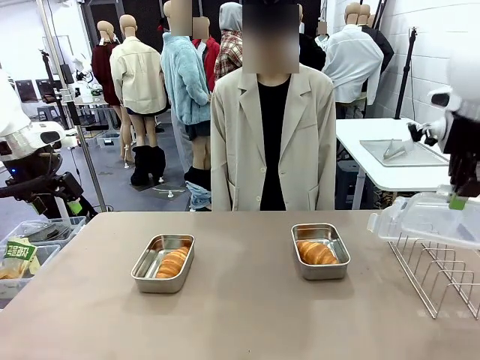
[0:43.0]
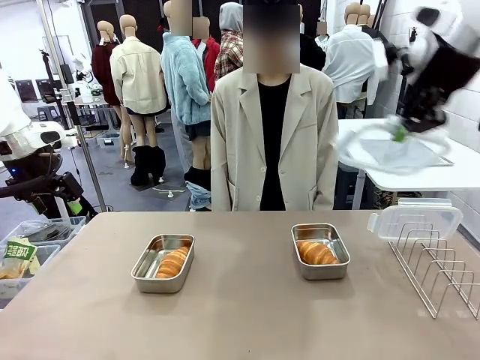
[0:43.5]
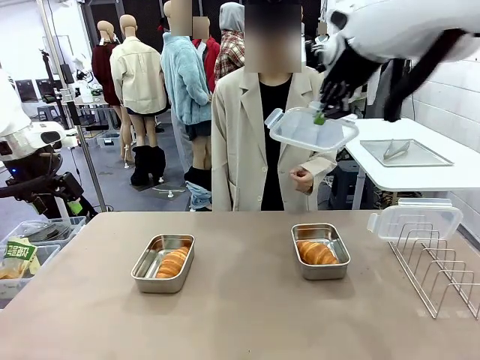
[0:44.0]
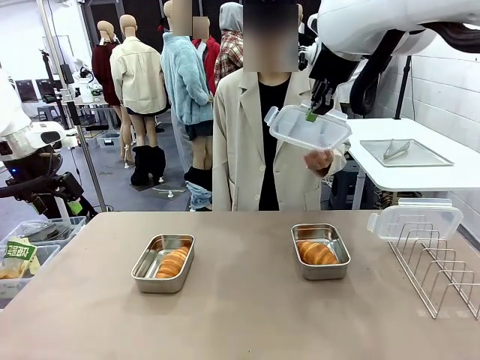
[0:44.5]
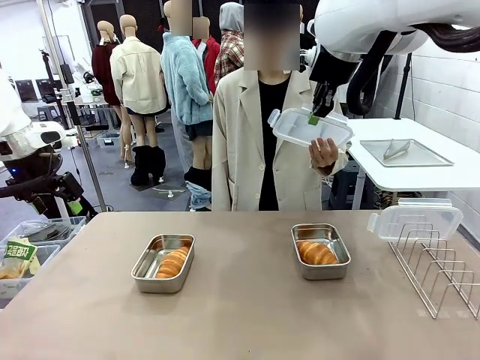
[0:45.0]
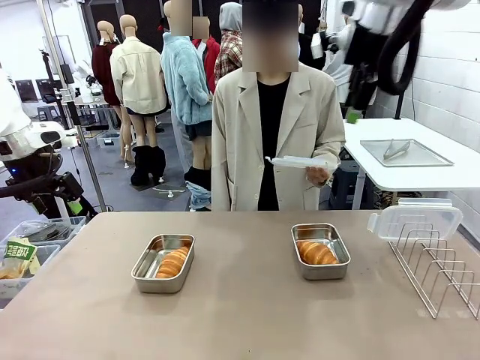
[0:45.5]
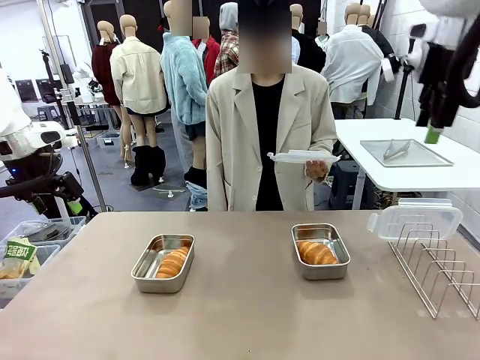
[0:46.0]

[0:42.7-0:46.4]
Task: Place the bread in airtight containers.
Robot: Release when the human grabs the Airtight Container lid.

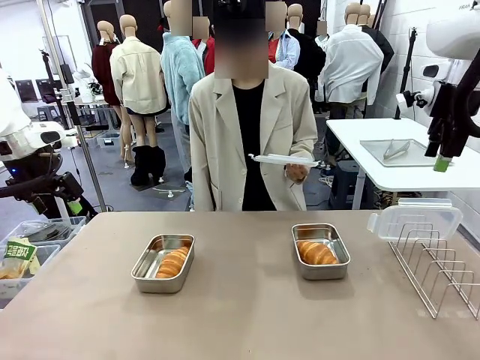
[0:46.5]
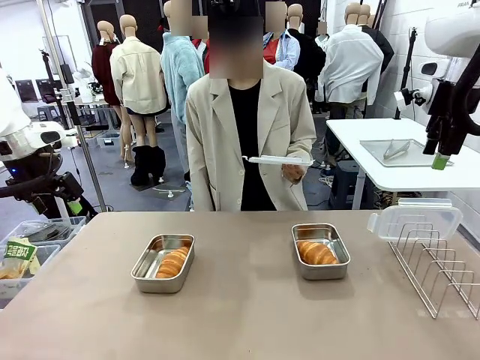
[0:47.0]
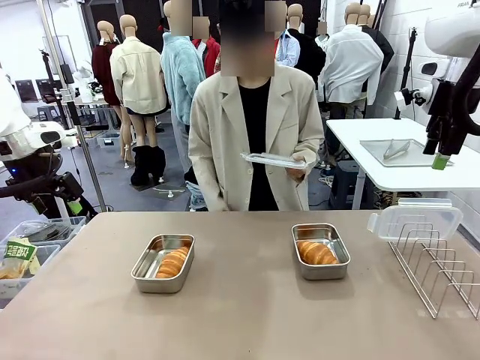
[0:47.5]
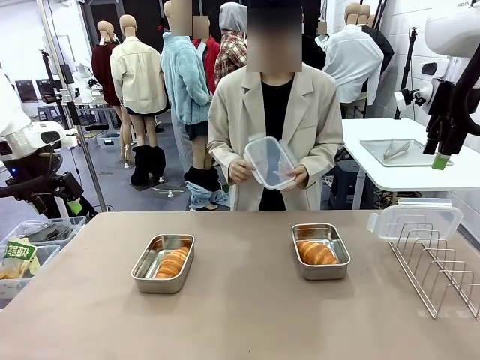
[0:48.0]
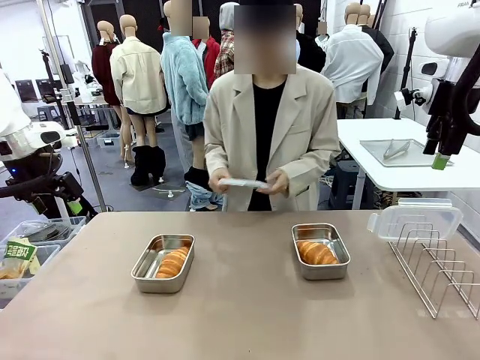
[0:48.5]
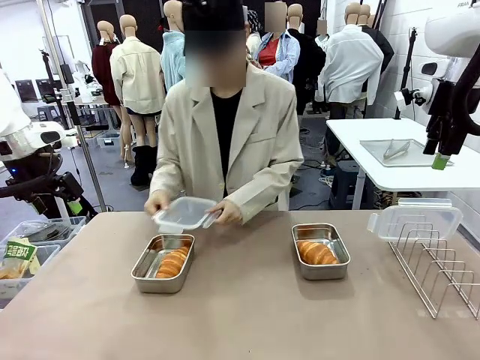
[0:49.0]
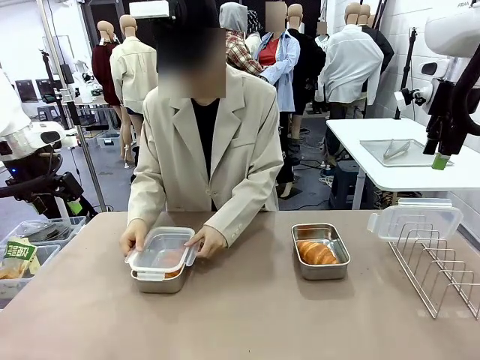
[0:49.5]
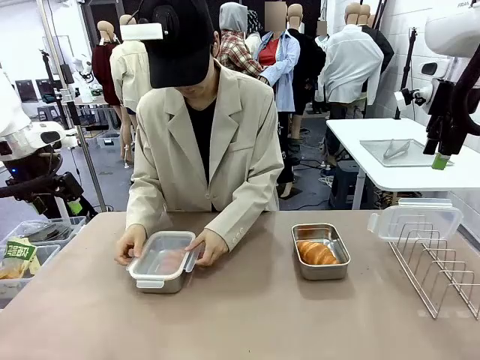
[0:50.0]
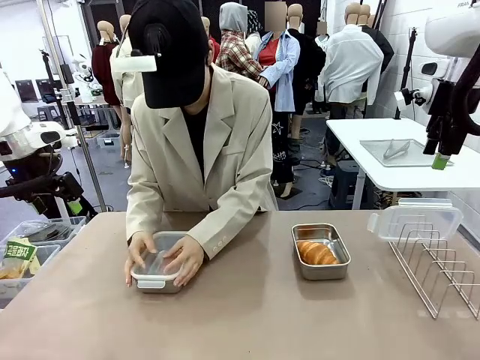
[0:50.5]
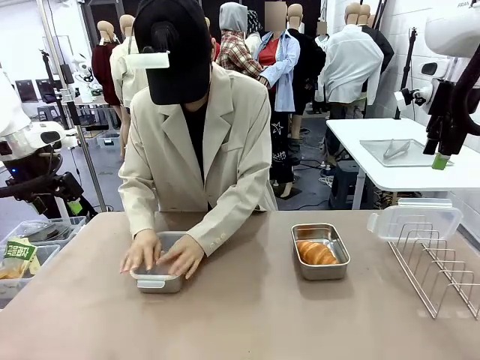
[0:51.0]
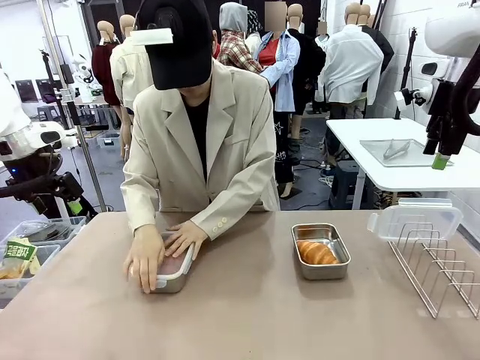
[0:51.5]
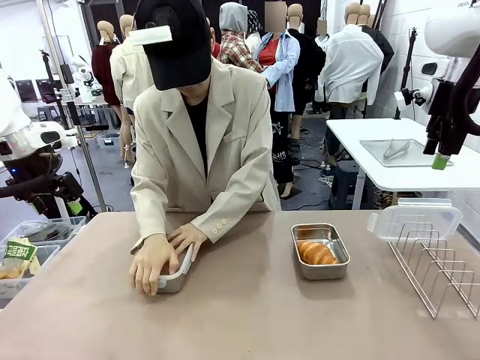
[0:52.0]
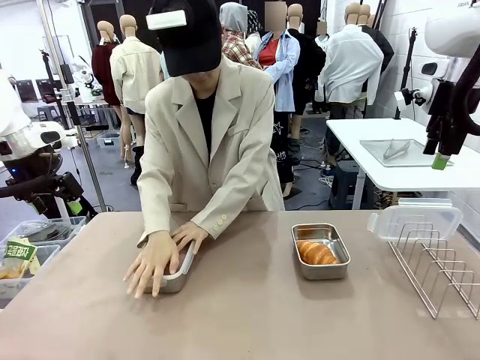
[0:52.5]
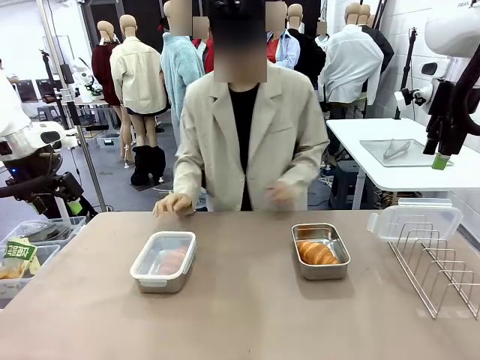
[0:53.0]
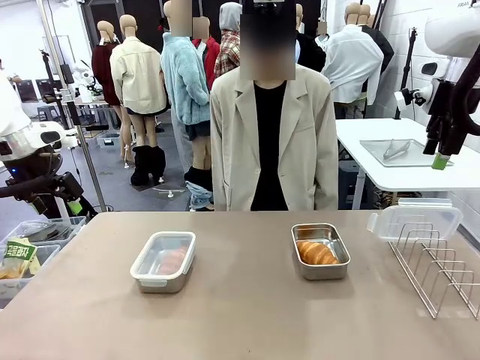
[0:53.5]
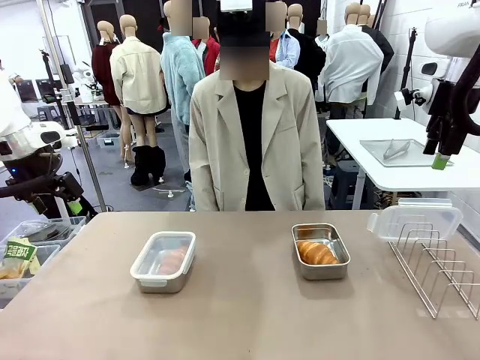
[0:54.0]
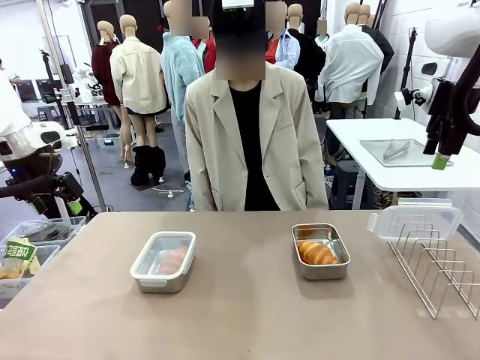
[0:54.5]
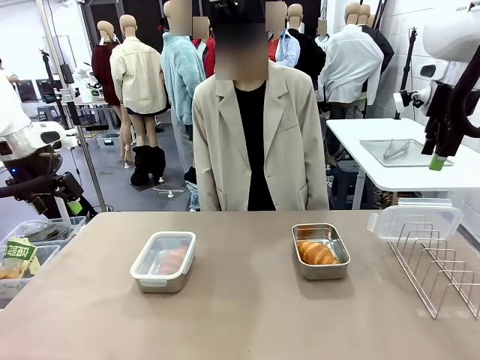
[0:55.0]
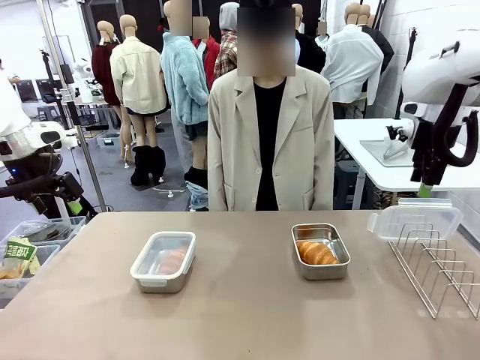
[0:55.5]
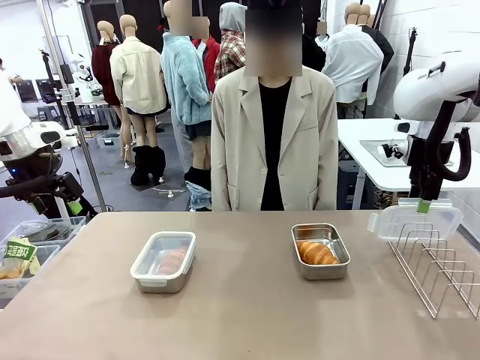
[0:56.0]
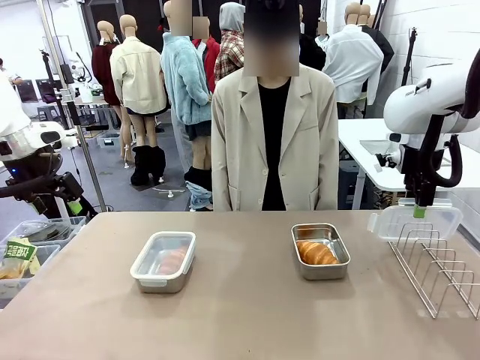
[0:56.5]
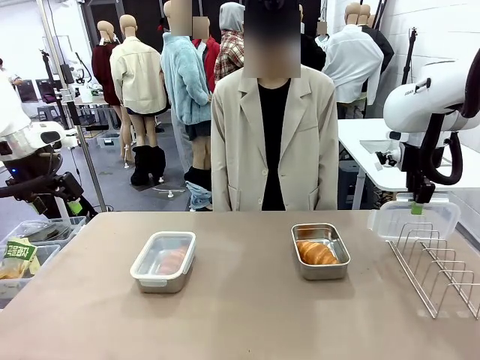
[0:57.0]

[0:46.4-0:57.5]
Robot: Pick up one Airtight Container lid and hand it to the human.
Person: Close Airtight Container with a handed Airtight Container lid.

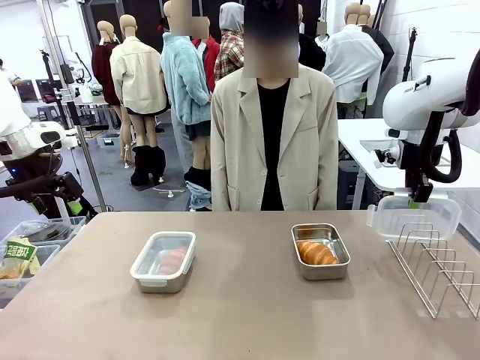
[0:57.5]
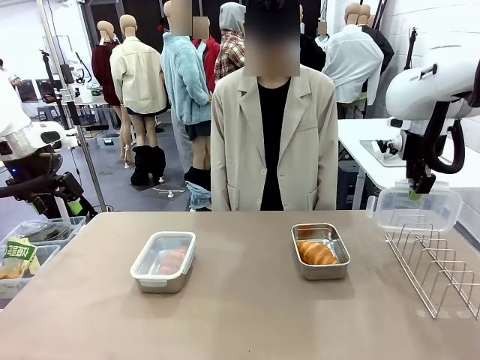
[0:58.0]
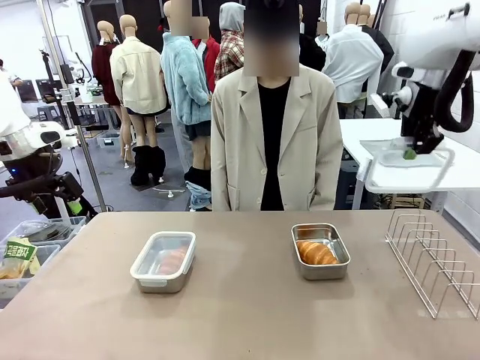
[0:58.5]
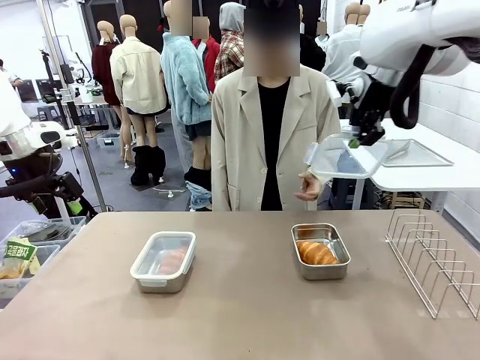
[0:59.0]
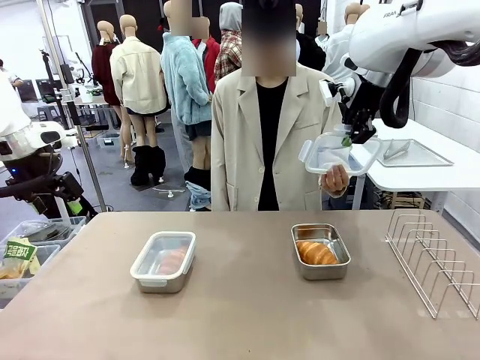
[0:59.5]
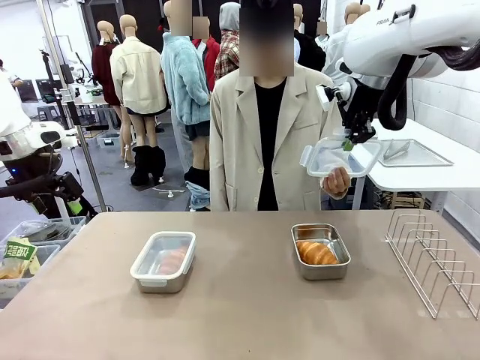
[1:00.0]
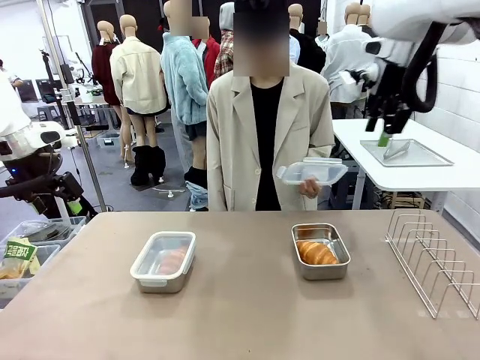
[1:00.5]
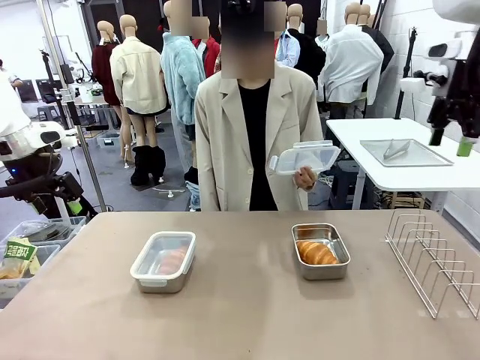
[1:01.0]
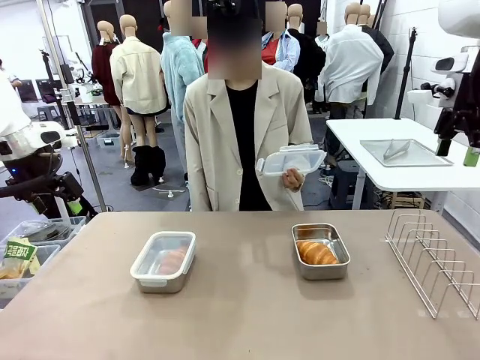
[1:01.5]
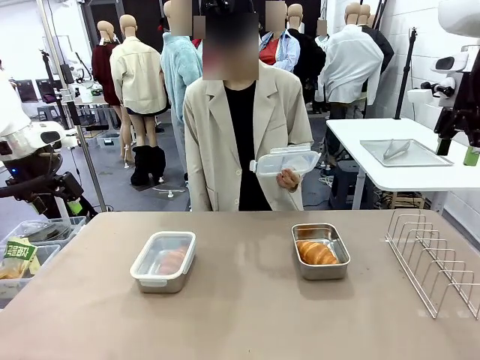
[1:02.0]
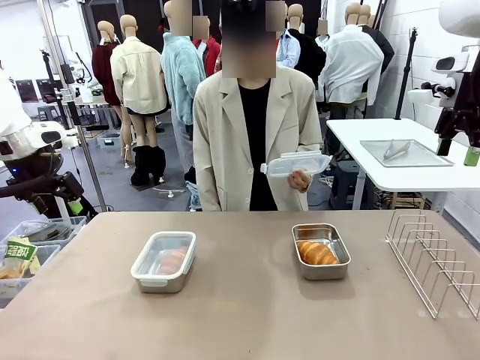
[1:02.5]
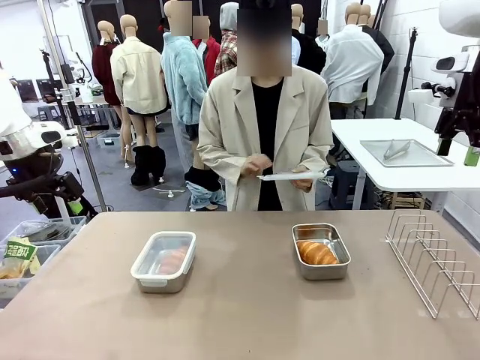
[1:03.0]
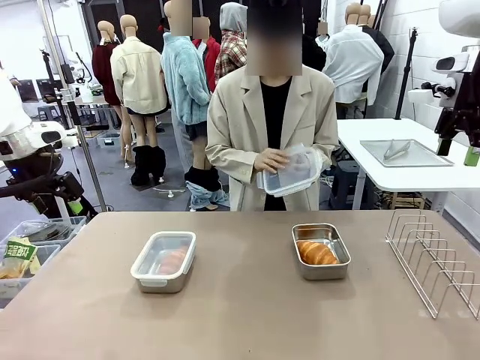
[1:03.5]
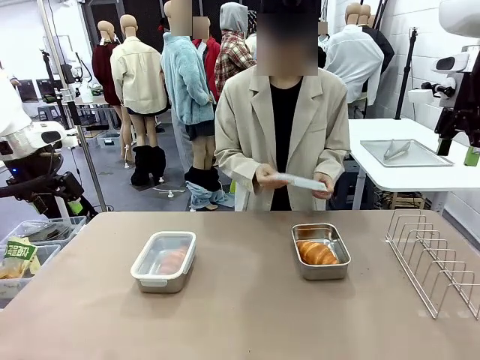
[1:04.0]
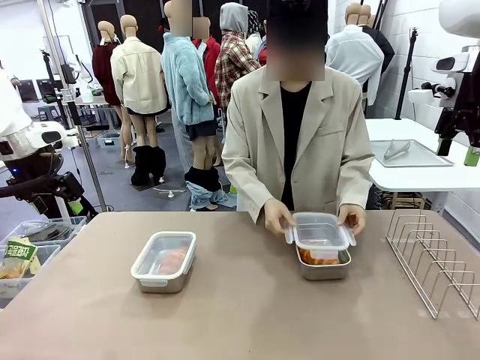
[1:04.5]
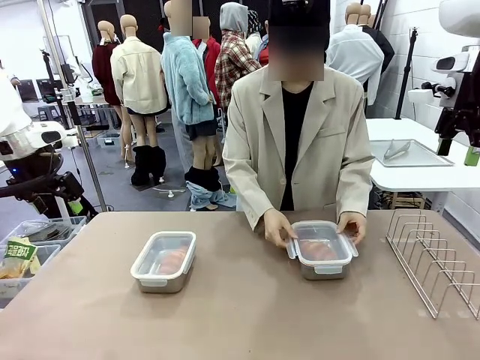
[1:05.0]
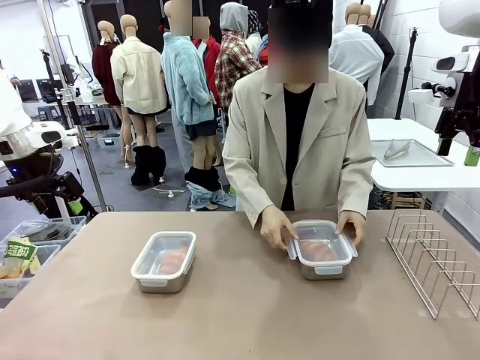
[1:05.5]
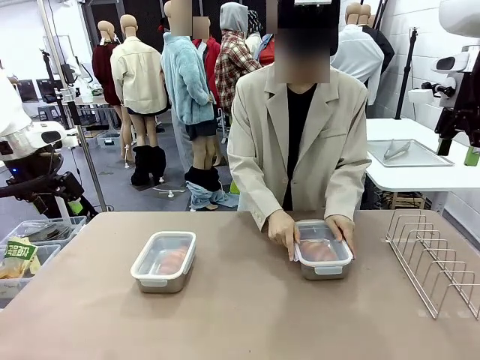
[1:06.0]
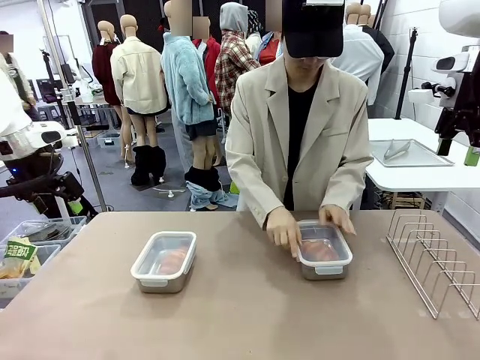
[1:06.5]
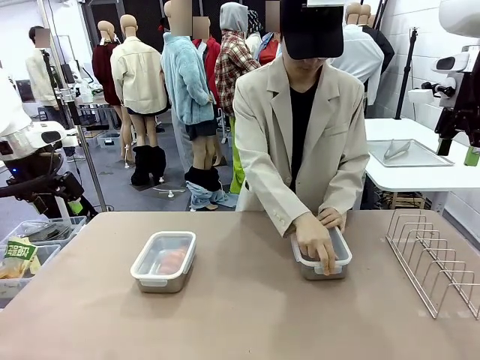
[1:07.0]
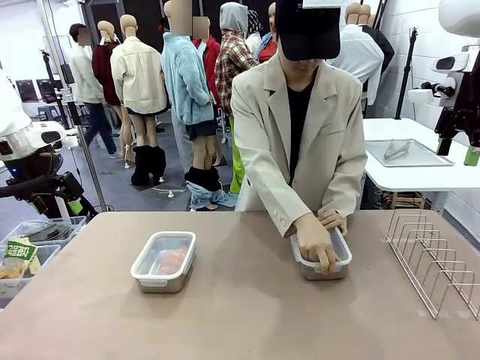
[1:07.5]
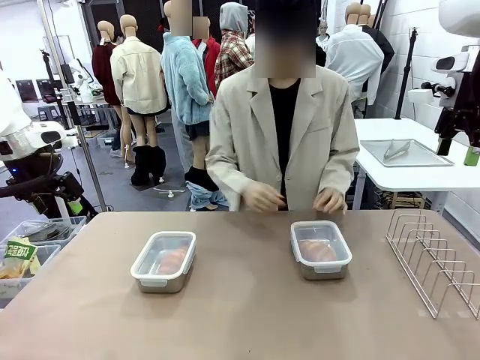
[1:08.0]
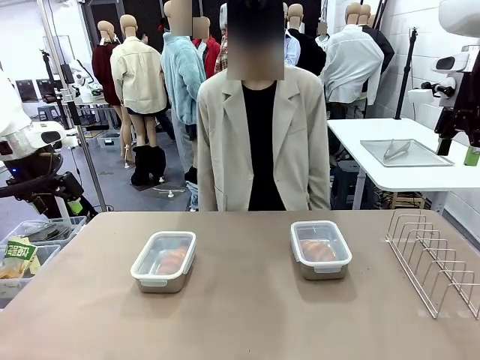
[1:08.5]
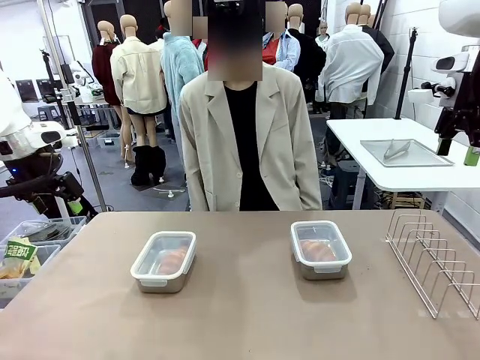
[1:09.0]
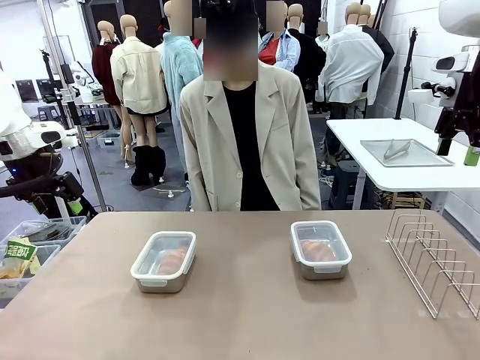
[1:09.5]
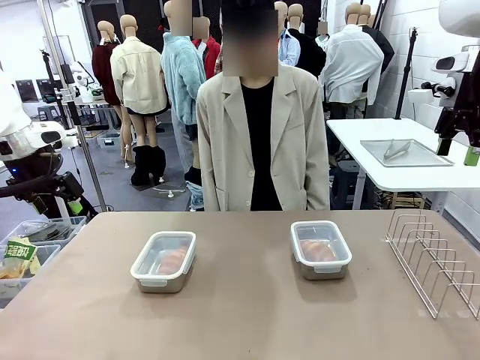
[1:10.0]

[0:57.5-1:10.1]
Robot: Release when the human grabs the Airtight Container lid.
Person: Grip Airtight Container lid that robot is handing. Close Airtight Container with a handed Airtight Container lid.
